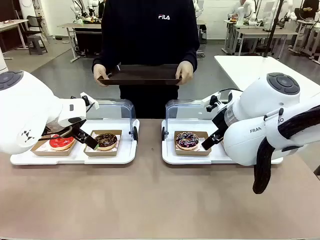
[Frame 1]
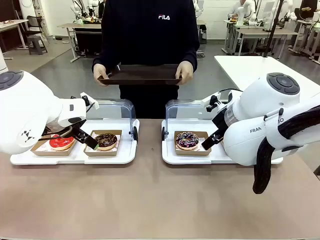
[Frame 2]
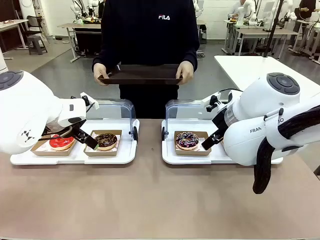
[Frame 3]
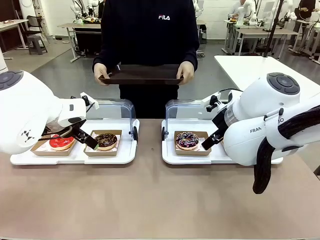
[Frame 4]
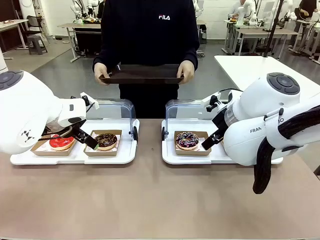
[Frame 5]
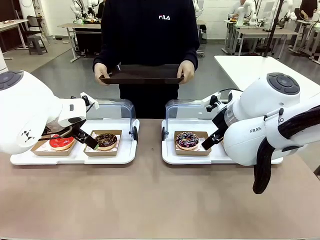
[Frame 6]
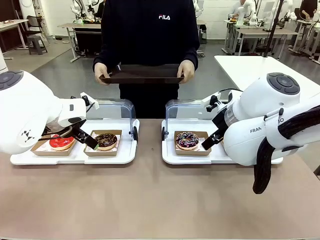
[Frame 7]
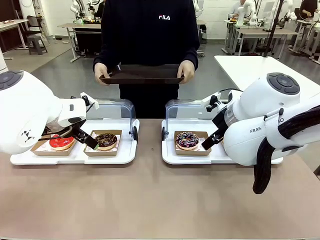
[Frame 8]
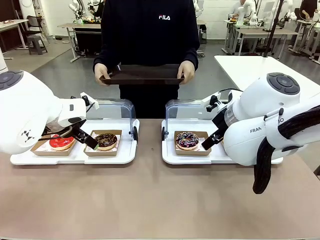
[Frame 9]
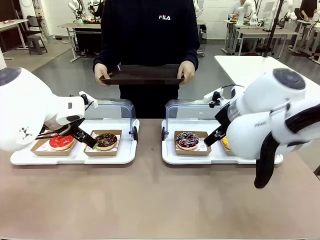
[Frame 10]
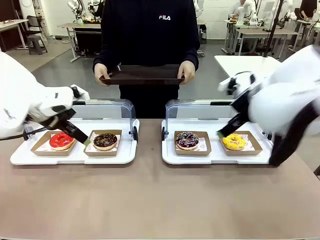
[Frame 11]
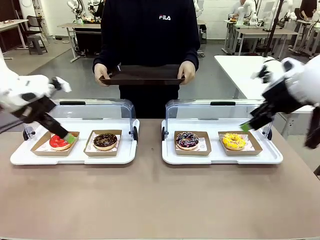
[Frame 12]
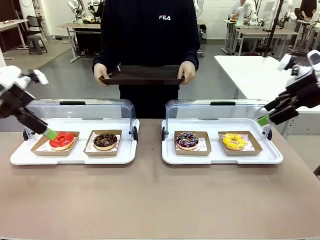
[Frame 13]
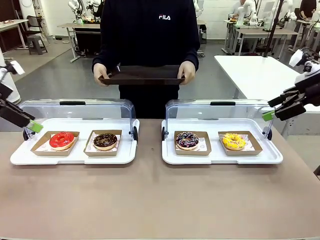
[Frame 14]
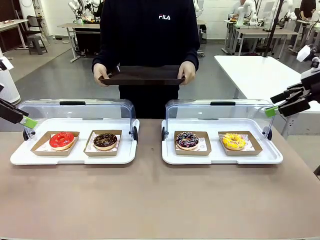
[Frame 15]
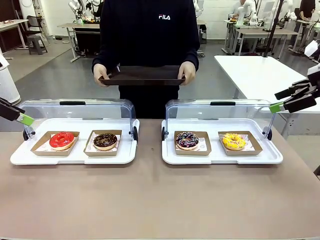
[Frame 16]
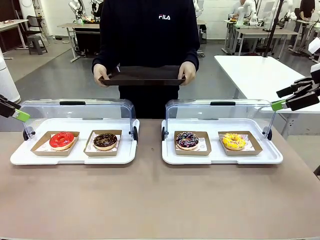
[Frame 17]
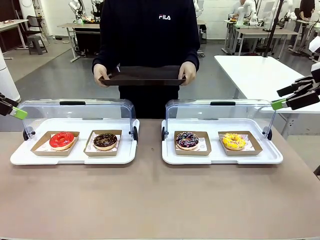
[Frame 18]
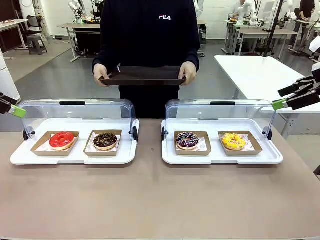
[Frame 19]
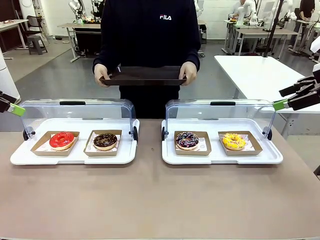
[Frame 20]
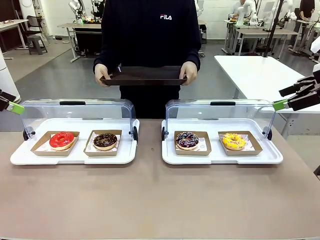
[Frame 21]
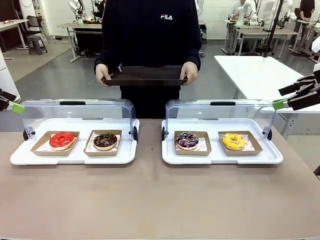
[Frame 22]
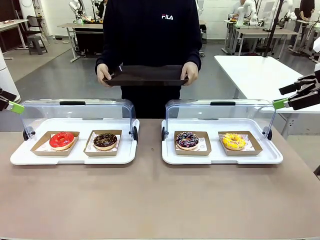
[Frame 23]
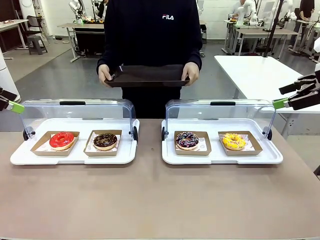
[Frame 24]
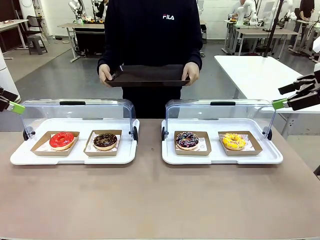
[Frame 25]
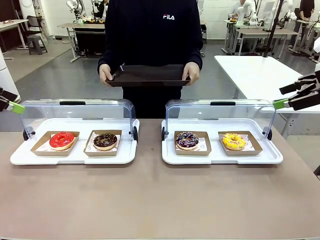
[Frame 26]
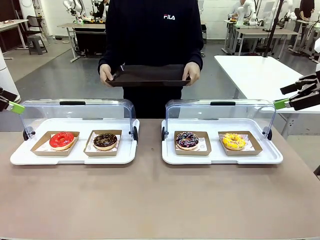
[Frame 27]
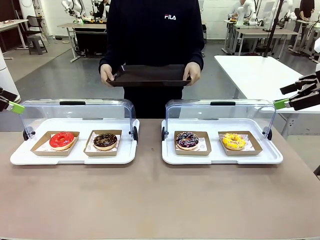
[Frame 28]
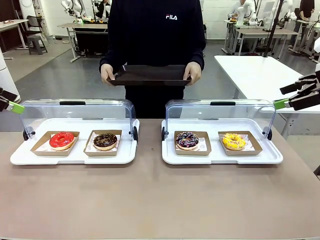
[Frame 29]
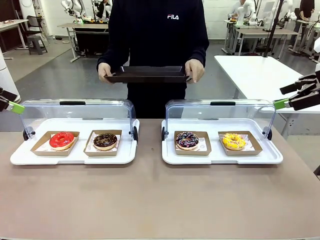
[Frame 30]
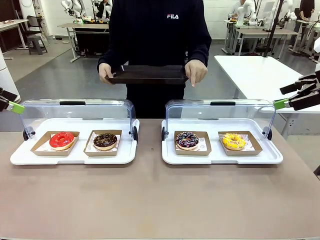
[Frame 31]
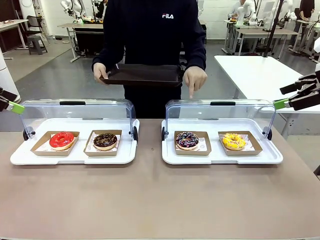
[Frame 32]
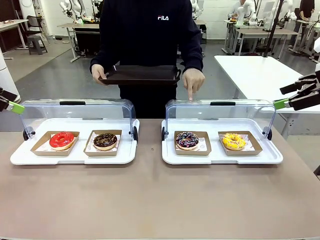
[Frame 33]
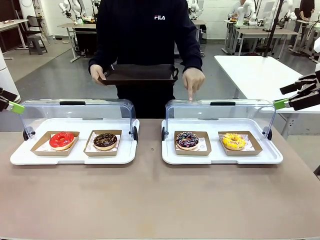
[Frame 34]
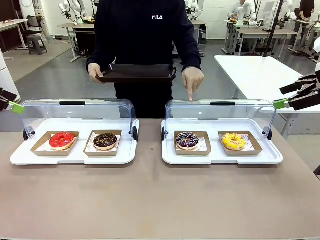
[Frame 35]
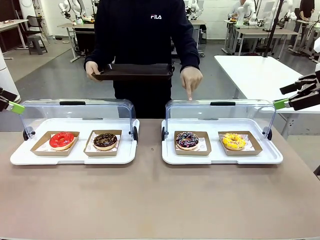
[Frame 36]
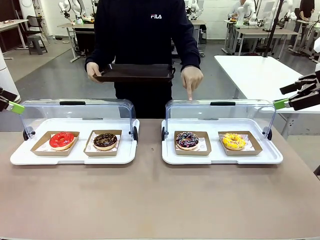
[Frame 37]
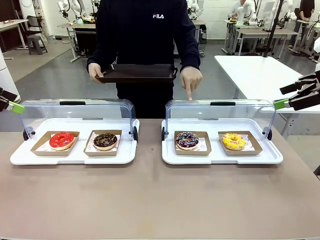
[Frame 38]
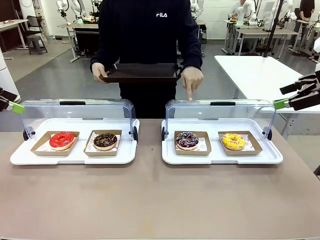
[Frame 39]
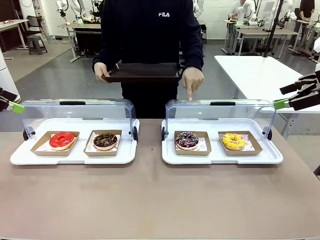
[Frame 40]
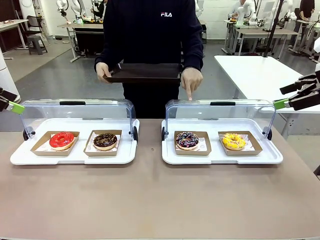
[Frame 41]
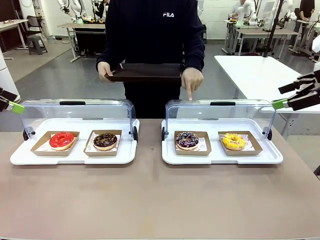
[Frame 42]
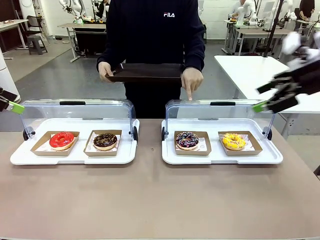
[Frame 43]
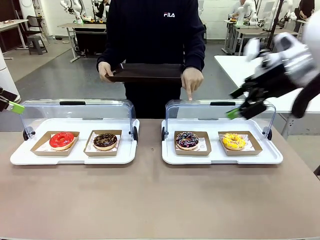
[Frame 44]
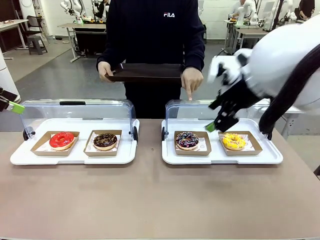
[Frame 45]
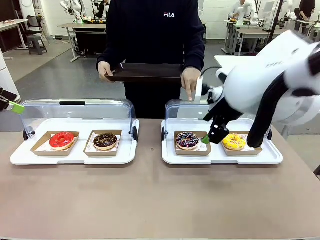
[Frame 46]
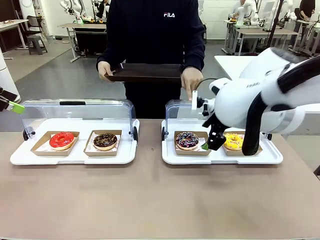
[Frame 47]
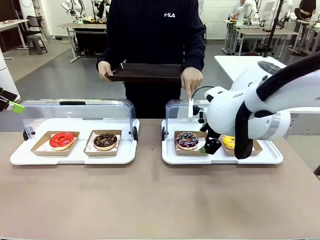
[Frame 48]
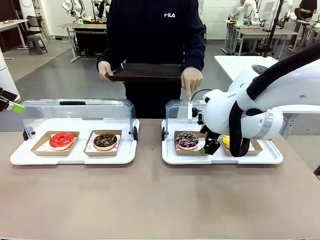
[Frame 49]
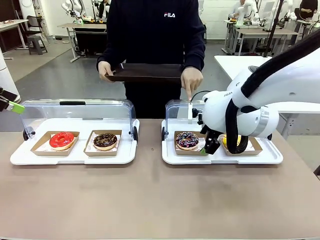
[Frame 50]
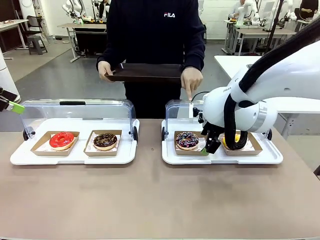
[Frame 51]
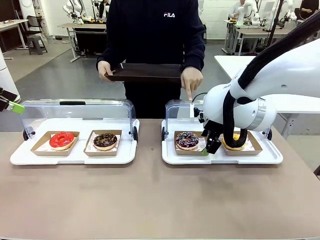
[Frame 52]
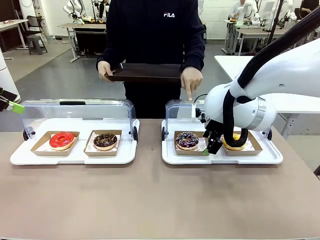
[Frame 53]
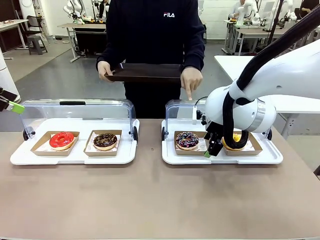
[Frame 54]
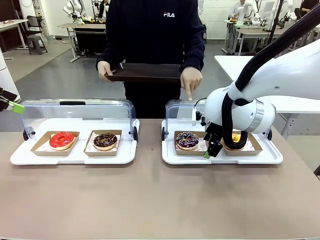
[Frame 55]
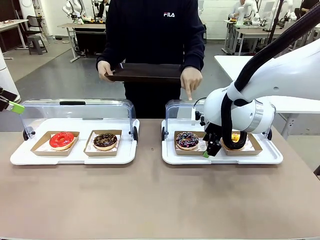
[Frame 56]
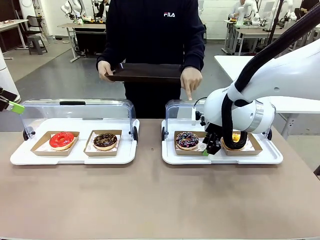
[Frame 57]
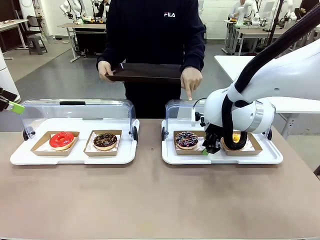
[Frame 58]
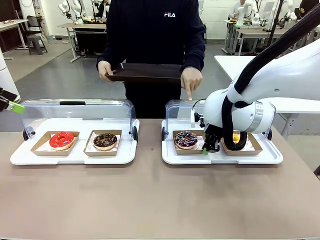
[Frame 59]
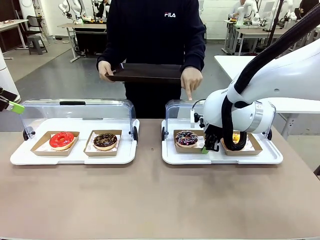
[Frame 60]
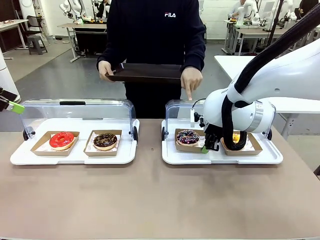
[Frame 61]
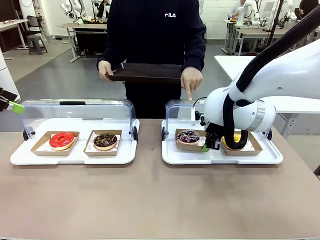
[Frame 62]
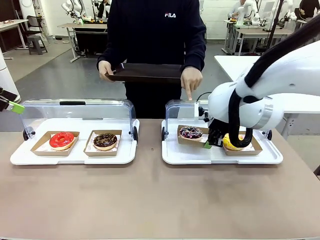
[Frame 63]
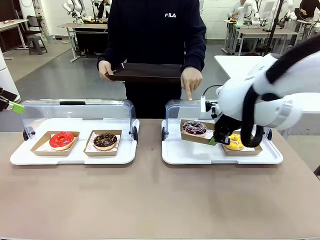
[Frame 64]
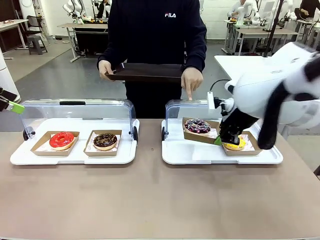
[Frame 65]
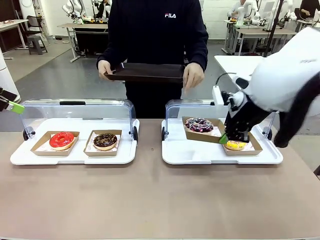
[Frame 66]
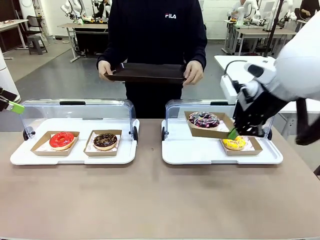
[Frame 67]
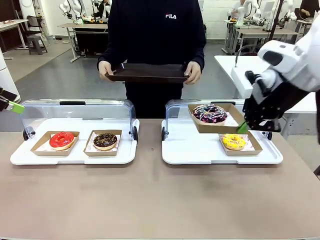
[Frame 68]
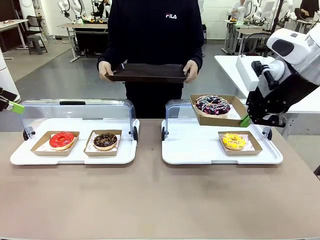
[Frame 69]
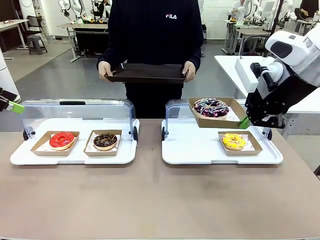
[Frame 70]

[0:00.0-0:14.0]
Task: Provide the desired donut to the person.
Robot: Pick up and lift the Paper togo box containing the Donut pointed at by the person.
Person: Point to one donut. Lift the tray onto the Roll-Top Bakery Case.

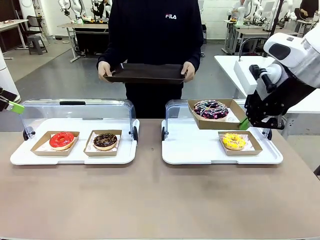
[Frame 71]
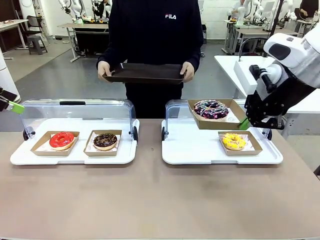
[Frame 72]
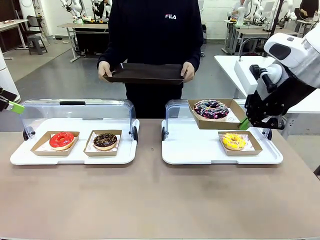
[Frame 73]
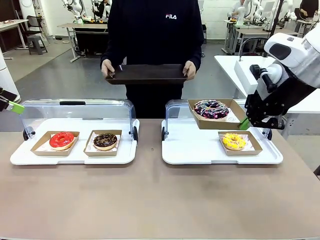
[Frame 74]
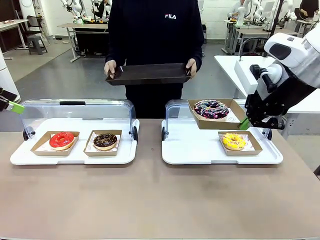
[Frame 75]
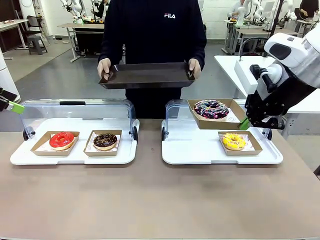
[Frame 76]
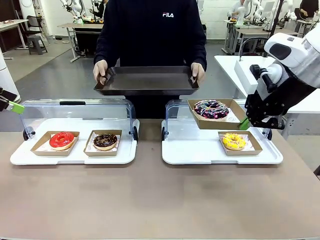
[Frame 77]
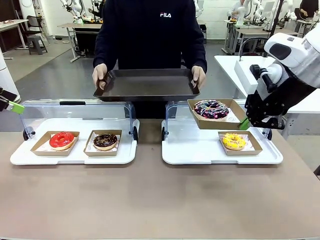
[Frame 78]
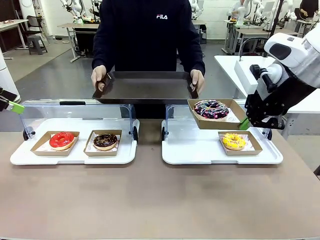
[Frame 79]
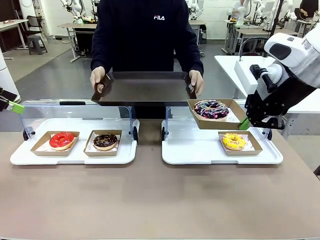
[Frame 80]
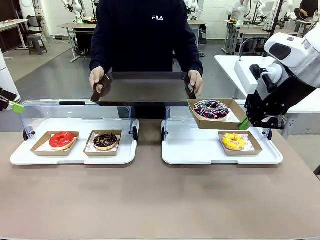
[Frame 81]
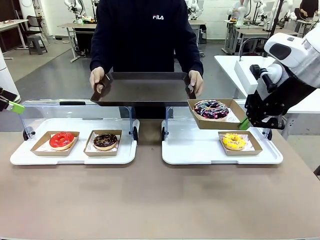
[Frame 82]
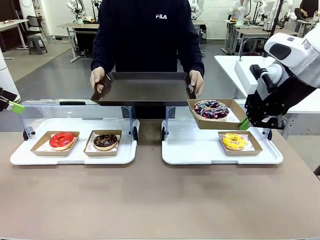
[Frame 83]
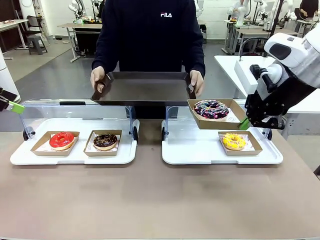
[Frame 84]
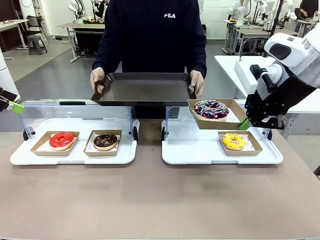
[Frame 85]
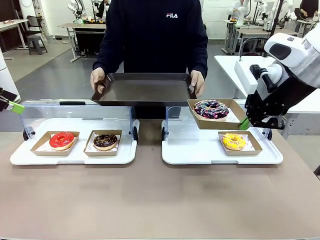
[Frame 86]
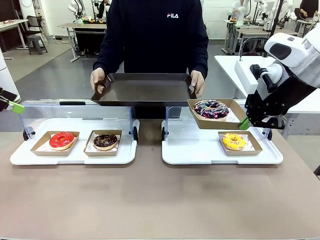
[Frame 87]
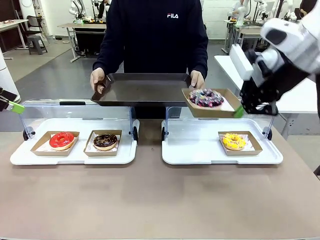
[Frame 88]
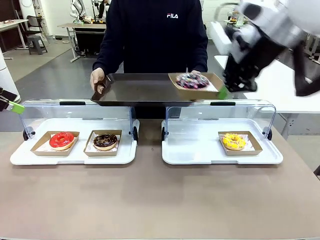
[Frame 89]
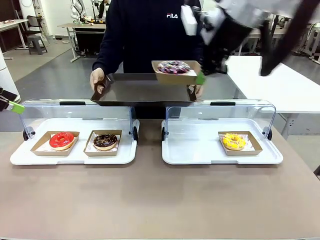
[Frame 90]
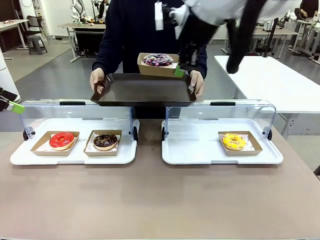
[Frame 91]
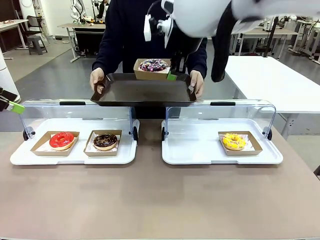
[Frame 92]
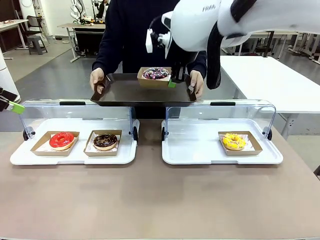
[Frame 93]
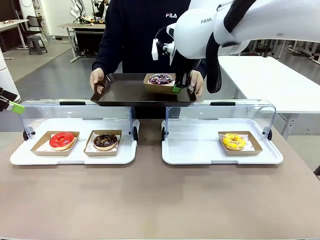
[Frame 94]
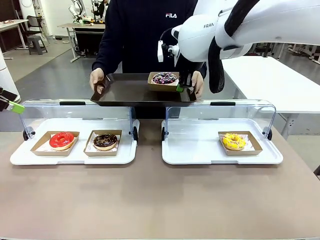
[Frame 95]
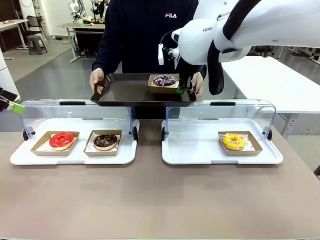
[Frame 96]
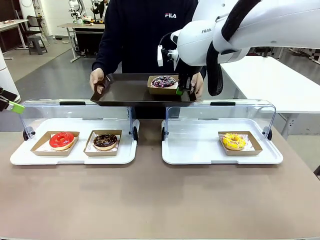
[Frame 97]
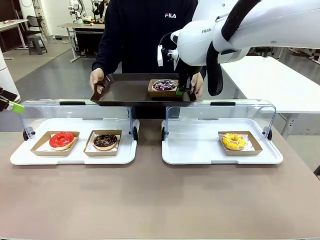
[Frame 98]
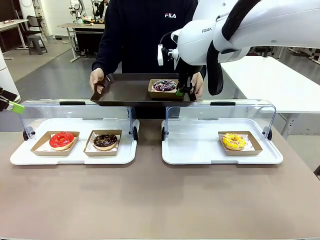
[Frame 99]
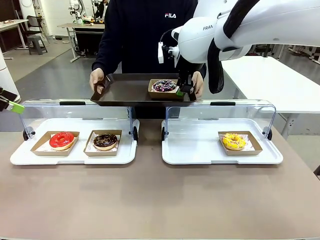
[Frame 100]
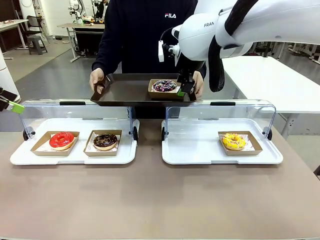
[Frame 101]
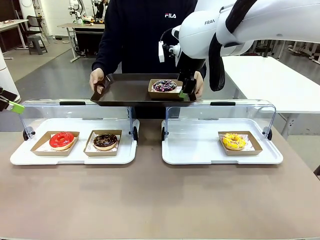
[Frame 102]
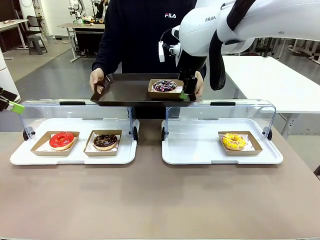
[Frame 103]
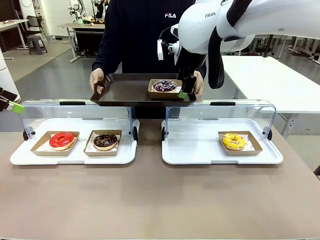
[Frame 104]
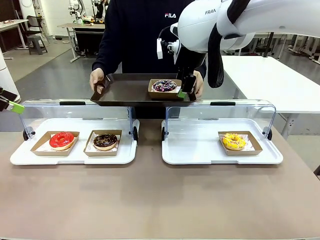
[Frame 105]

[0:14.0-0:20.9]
Robot: Place the picked Paper togo box onto the Handle tray extended by the person.
